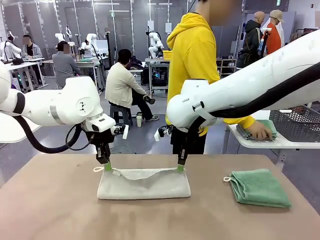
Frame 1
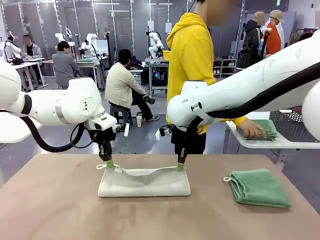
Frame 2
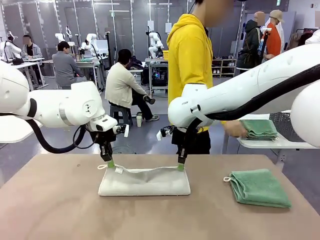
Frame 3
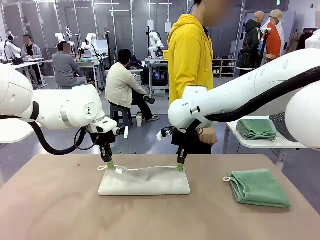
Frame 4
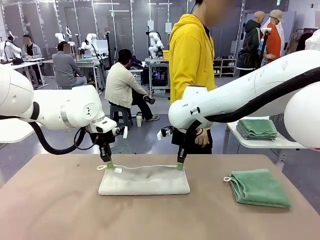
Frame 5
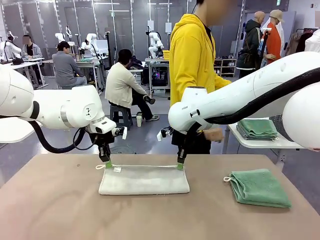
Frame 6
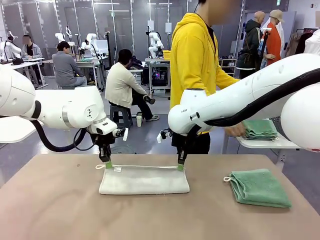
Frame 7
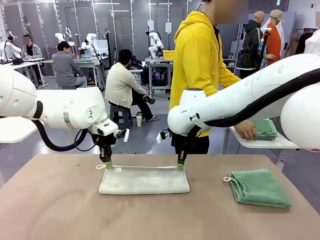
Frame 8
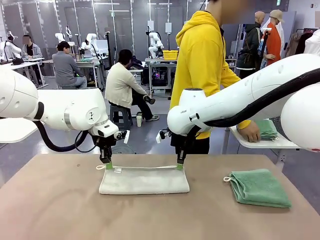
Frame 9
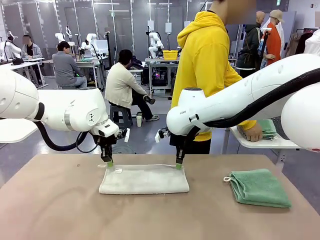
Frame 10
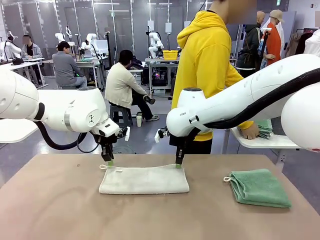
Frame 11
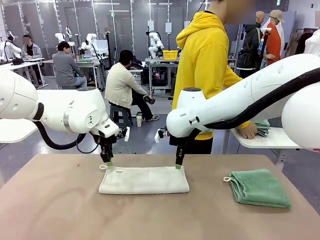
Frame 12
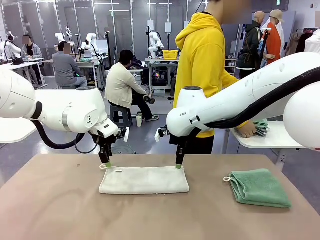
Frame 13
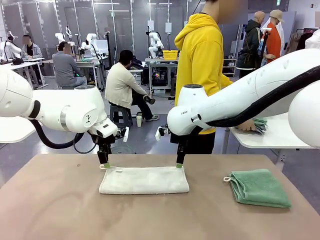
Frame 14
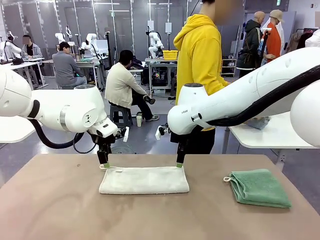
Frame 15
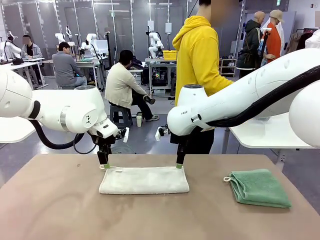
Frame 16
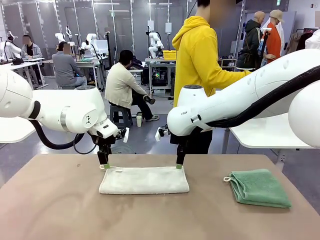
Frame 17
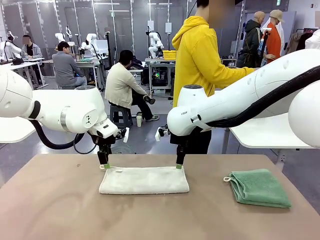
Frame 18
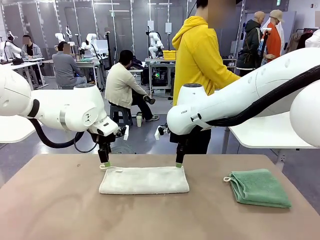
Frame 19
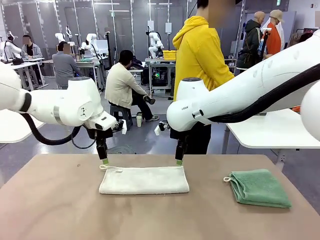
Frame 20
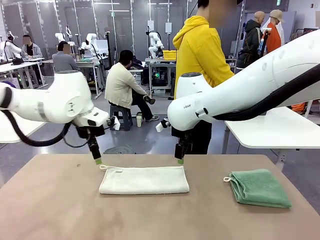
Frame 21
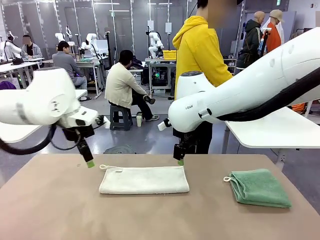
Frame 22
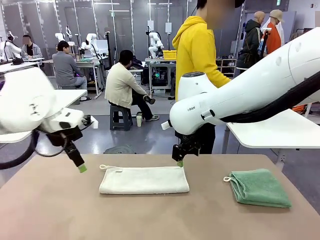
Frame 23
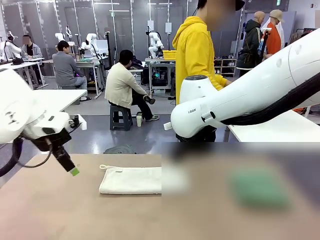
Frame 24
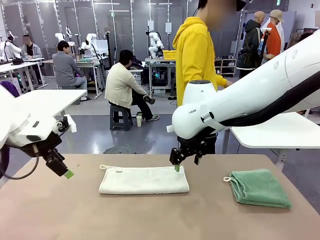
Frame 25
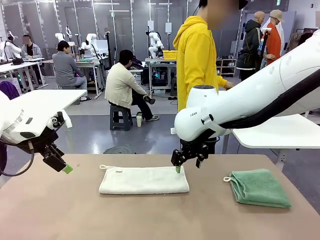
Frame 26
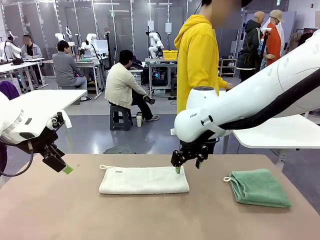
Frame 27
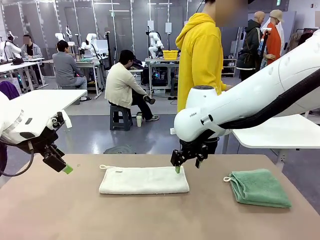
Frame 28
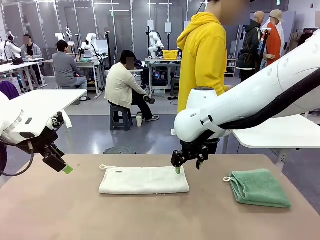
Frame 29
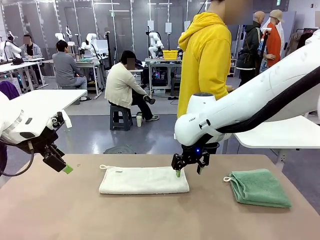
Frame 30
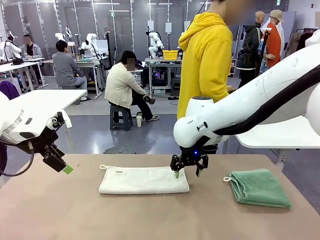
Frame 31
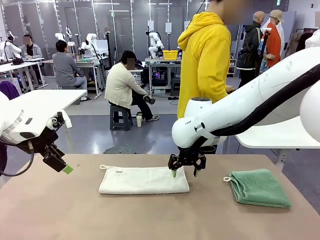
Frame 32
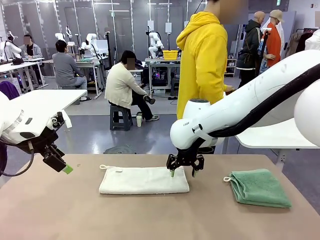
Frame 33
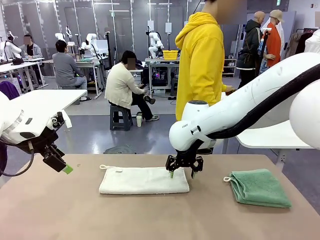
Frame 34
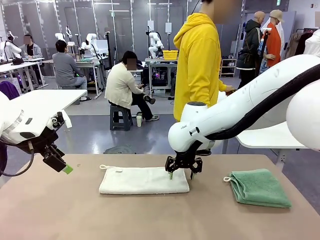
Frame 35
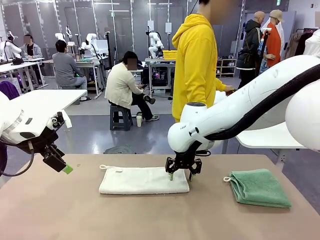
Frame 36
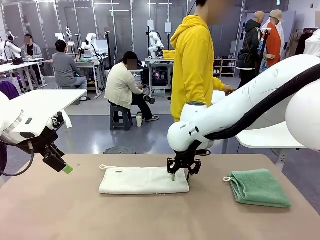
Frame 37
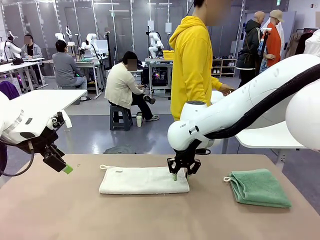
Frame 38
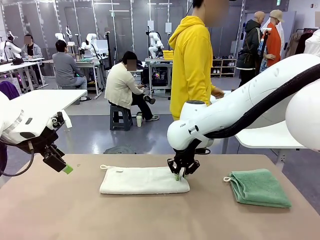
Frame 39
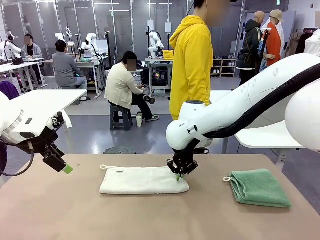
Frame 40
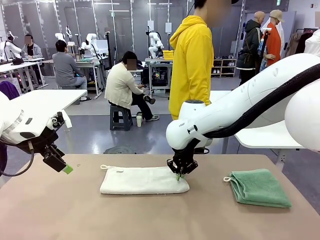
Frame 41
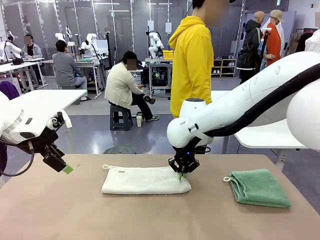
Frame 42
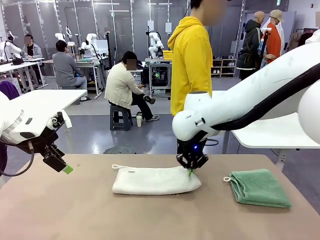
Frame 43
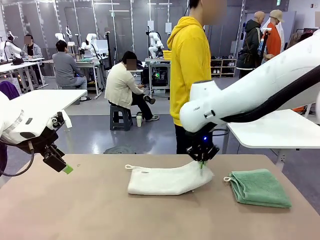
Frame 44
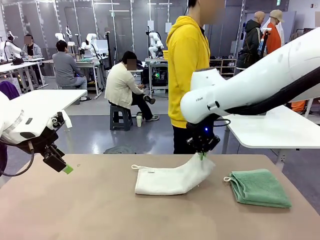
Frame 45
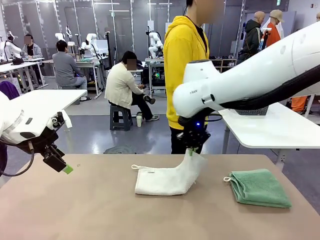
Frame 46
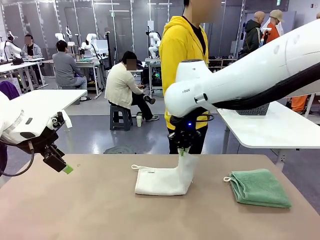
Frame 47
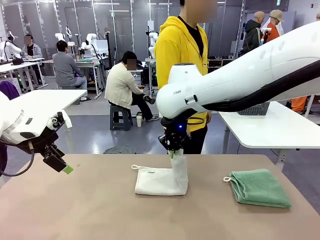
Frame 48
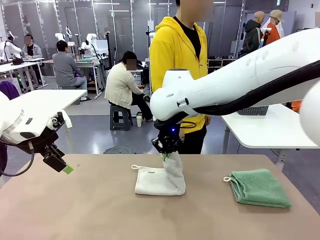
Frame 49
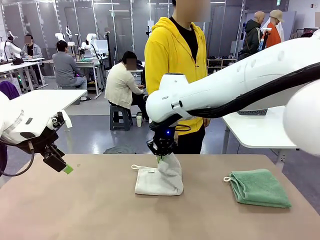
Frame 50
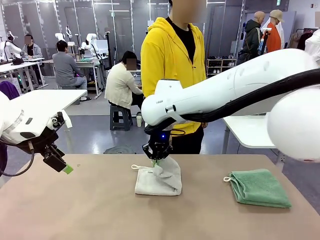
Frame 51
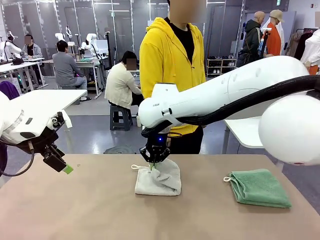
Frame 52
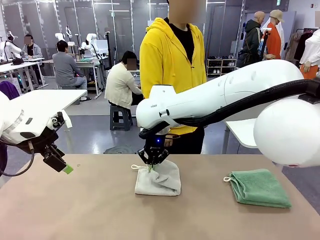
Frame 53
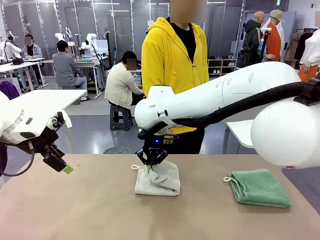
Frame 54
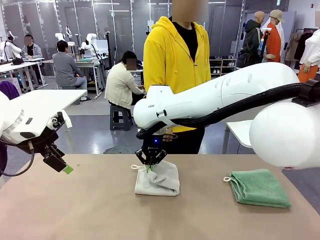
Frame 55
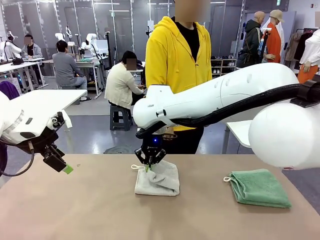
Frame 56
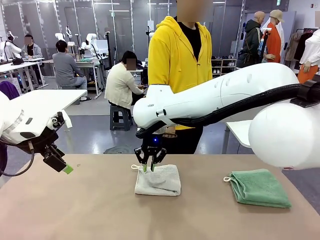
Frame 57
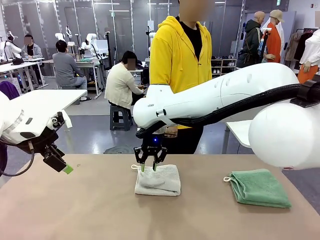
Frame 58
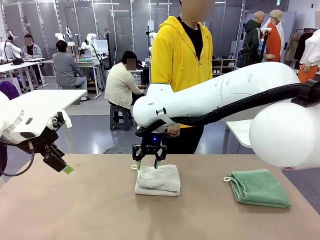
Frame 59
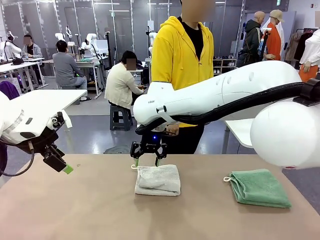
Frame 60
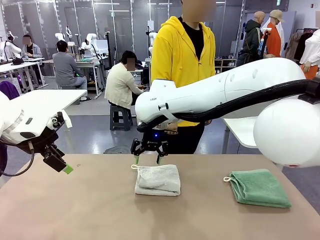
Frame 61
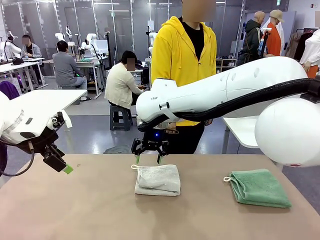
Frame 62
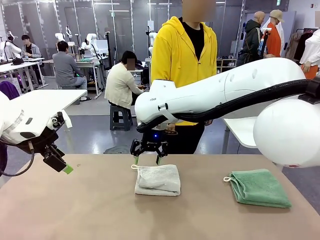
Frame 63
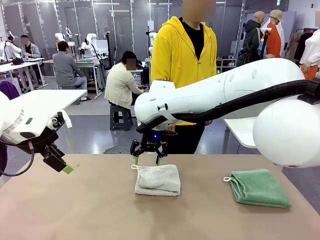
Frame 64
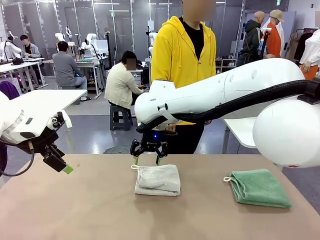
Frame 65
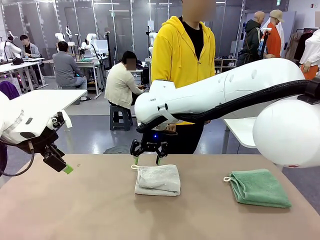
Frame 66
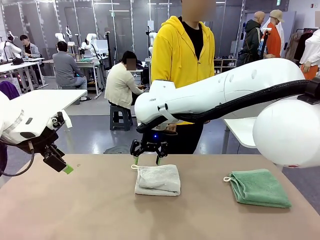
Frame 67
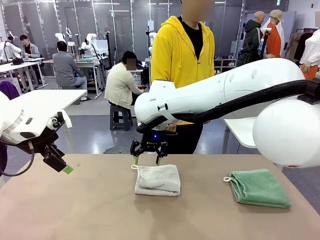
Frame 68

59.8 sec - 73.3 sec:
Task: Fold the towels and place them in the basket.
Robot: When a person lays out a Towel with hook on the table, fold it in half twice.
Person: Pick up the stack of towels from the right side of the human table, place it into the basket, and put the basket at the center of the table.

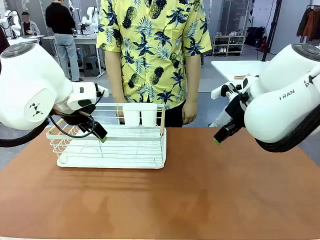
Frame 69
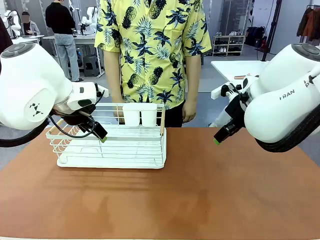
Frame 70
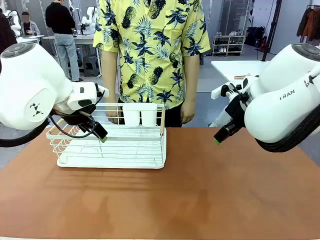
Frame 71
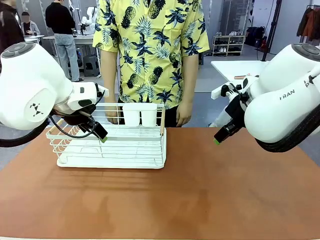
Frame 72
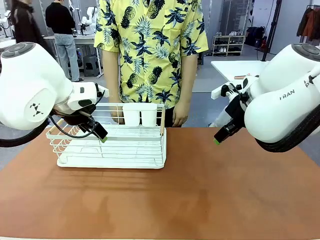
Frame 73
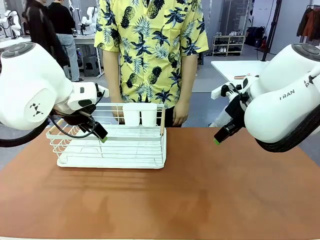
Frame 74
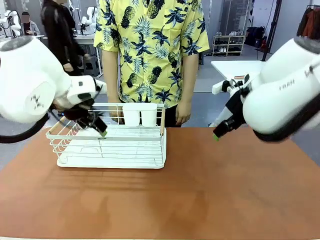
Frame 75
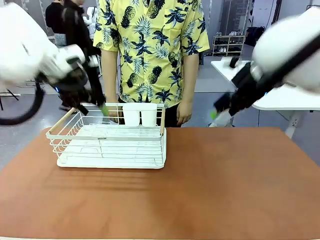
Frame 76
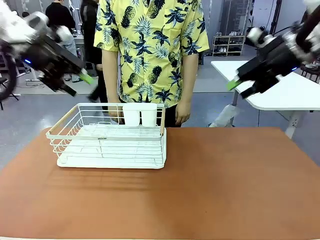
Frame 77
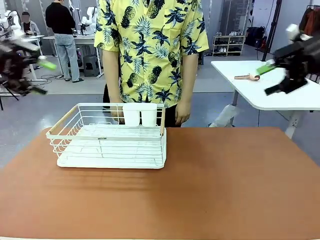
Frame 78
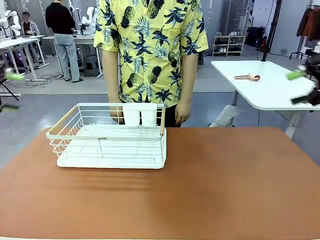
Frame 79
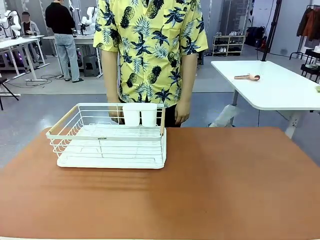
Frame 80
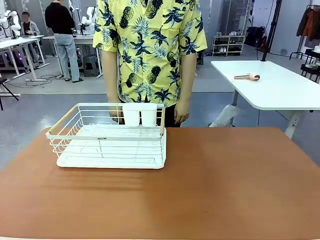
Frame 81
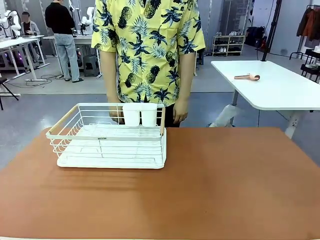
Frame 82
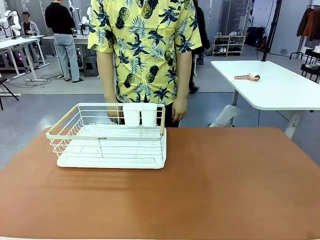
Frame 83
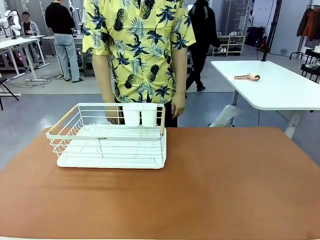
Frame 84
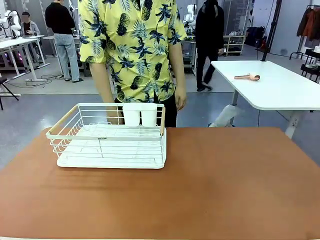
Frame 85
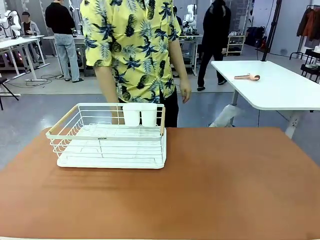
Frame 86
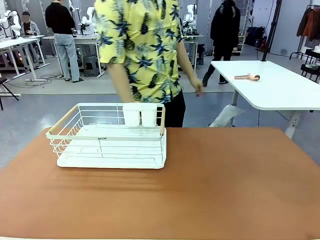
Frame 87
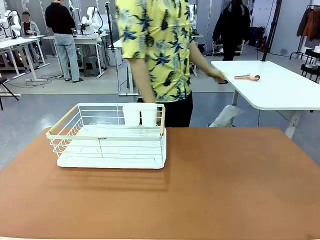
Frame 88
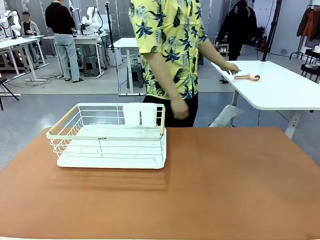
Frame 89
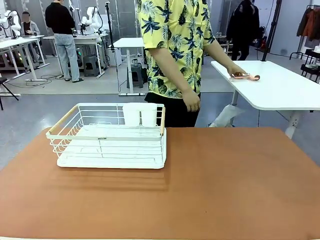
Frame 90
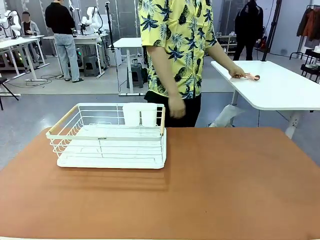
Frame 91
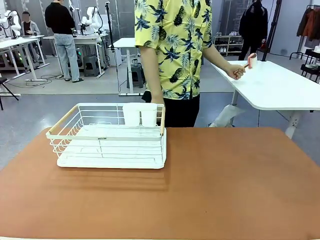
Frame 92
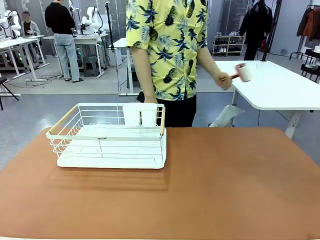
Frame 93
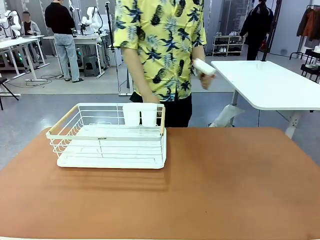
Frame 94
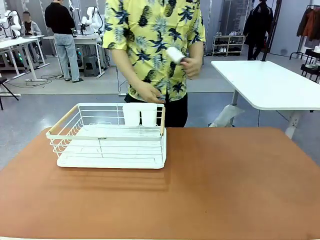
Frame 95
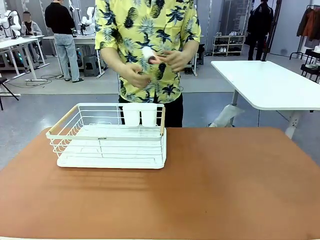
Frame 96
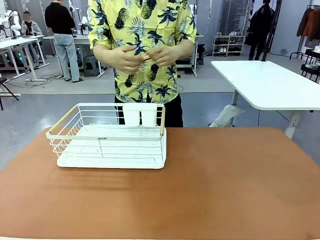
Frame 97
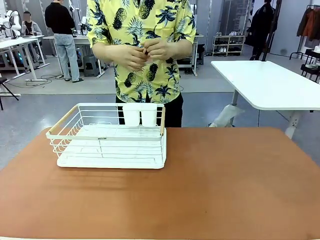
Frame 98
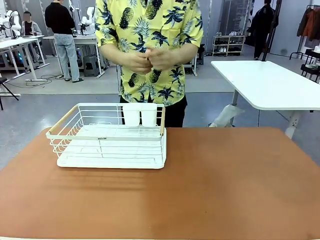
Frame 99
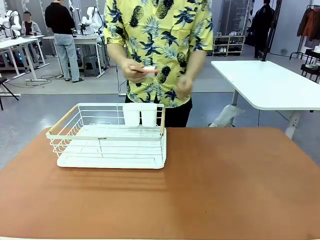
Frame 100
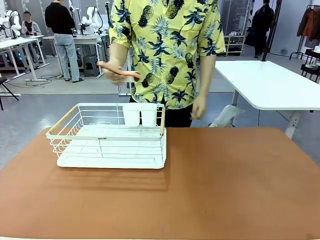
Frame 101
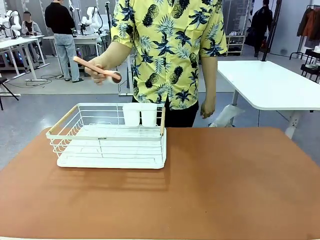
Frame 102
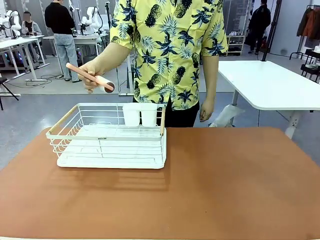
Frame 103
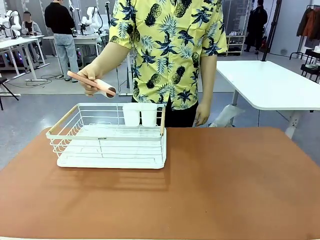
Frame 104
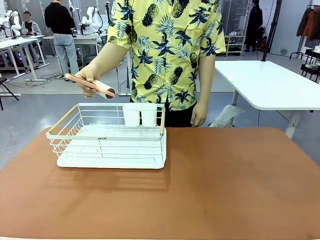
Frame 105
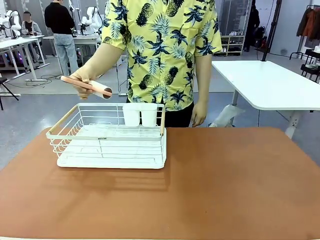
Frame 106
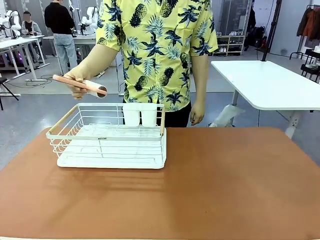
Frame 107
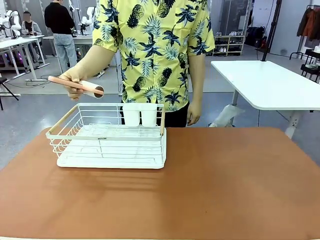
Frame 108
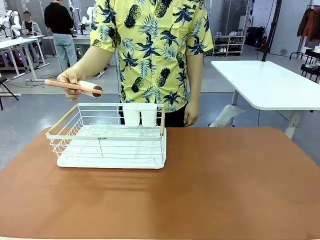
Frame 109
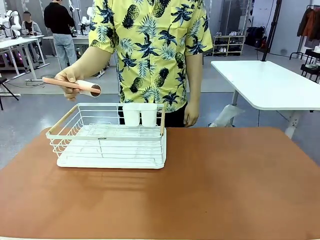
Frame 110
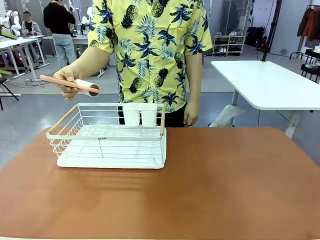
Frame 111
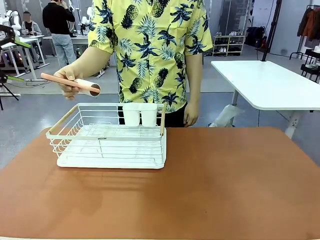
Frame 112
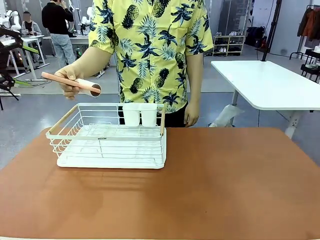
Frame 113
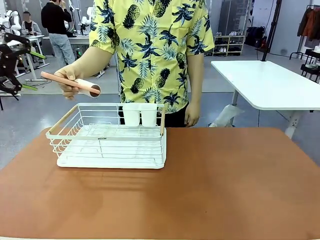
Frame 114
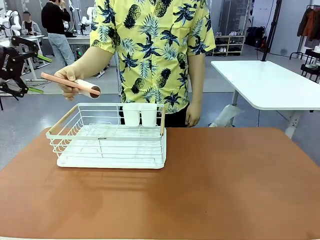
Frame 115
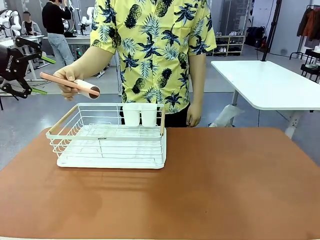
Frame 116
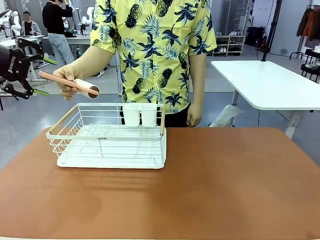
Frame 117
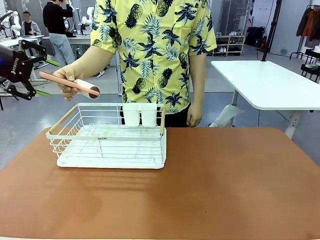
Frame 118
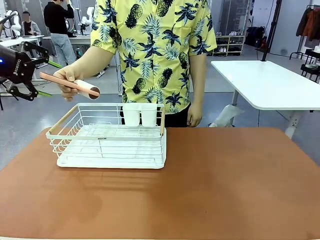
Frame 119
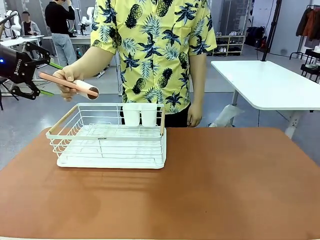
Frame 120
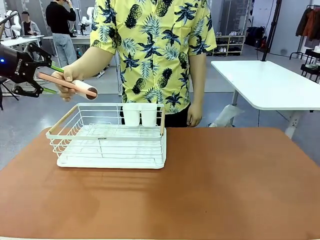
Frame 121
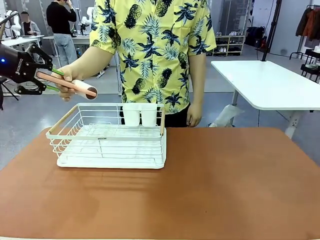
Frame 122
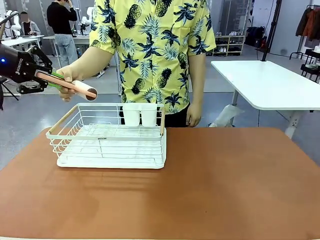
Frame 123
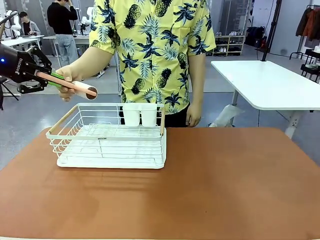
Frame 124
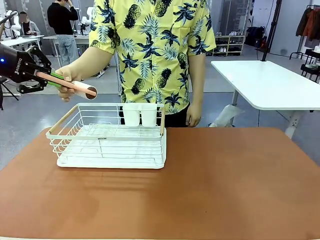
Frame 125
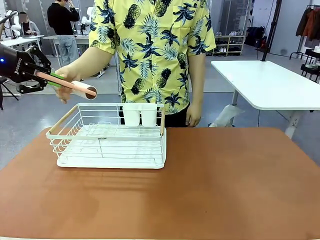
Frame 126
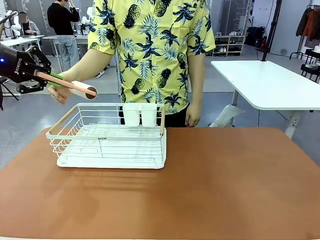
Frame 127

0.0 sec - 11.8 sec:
Task: Clean the table.
Robot: Pick up the Lint Roller when the human hands it over.
Person: Hand the Lint Roller to the robot so it can easily pick it up. Lift the Dish drying rack.
